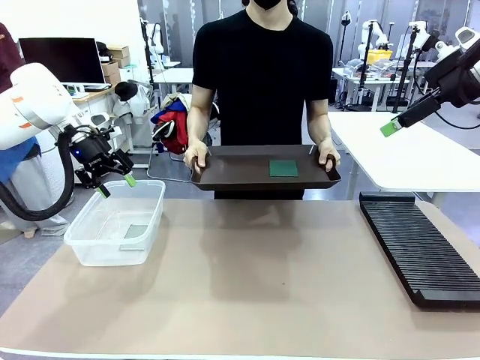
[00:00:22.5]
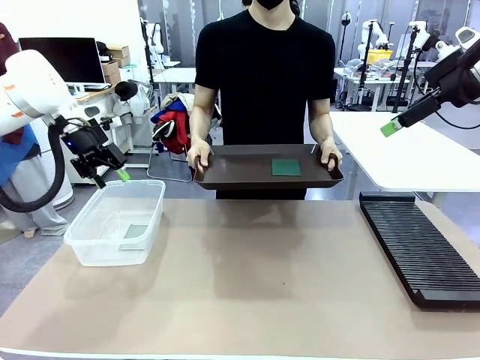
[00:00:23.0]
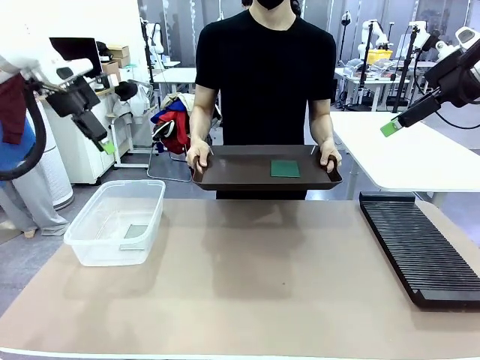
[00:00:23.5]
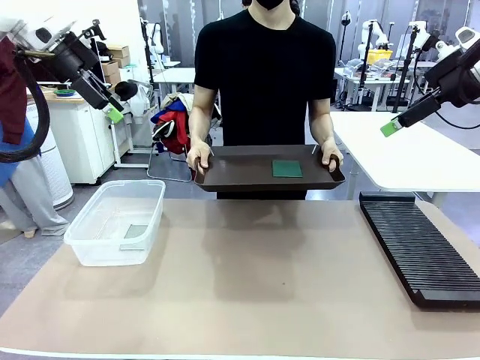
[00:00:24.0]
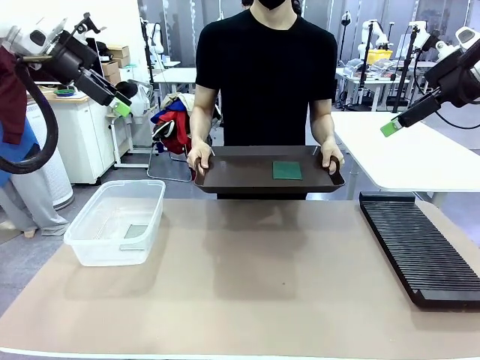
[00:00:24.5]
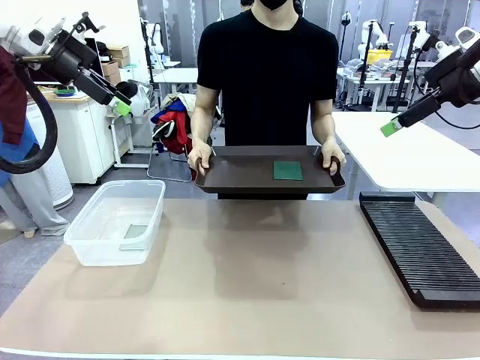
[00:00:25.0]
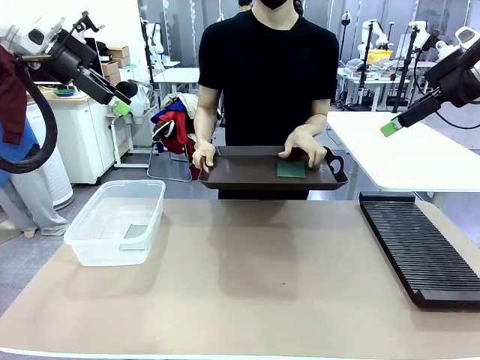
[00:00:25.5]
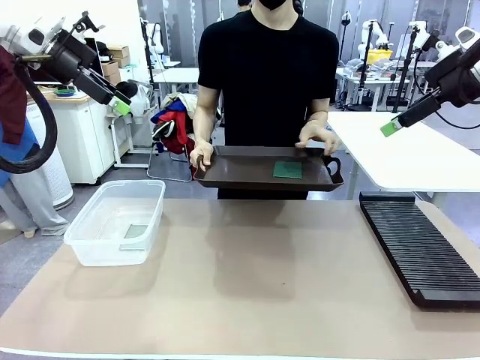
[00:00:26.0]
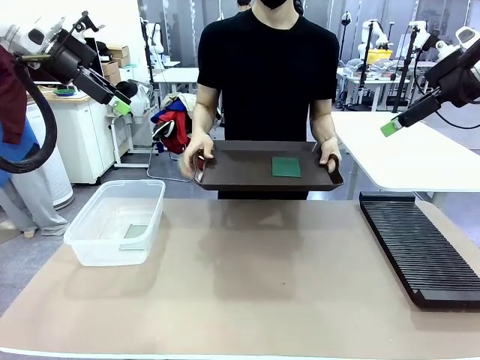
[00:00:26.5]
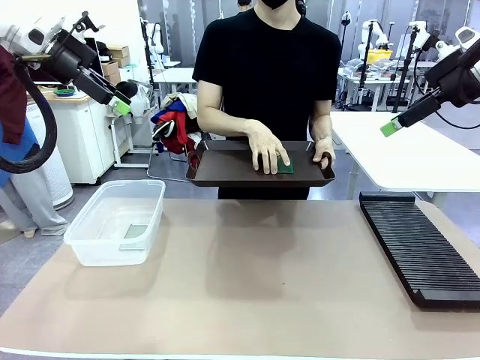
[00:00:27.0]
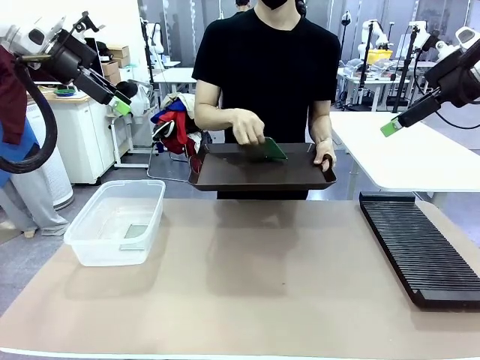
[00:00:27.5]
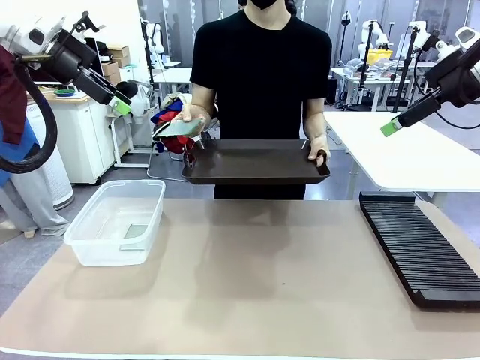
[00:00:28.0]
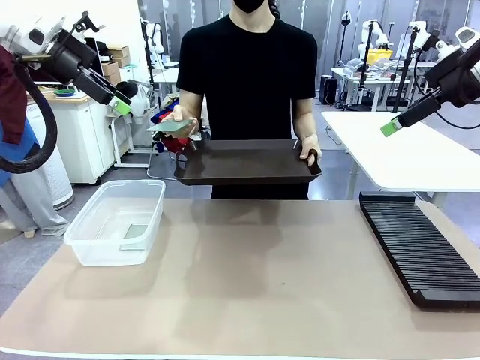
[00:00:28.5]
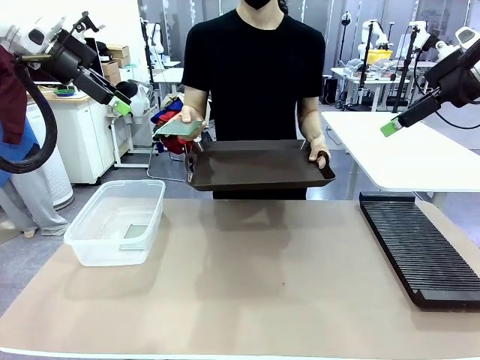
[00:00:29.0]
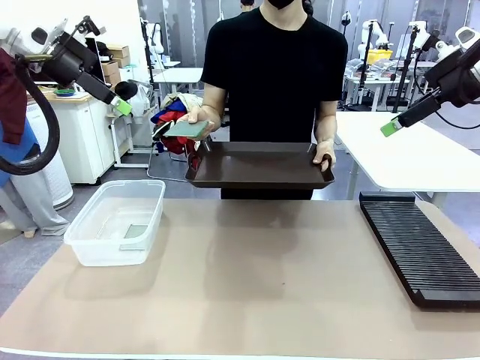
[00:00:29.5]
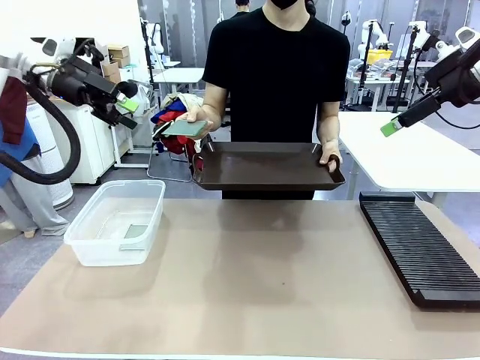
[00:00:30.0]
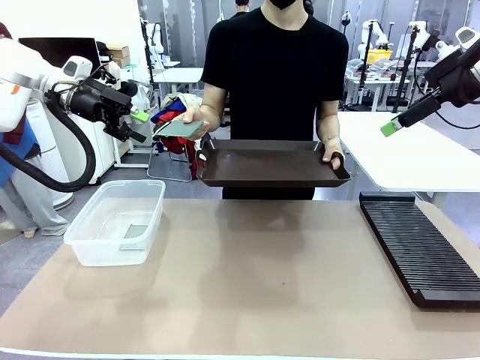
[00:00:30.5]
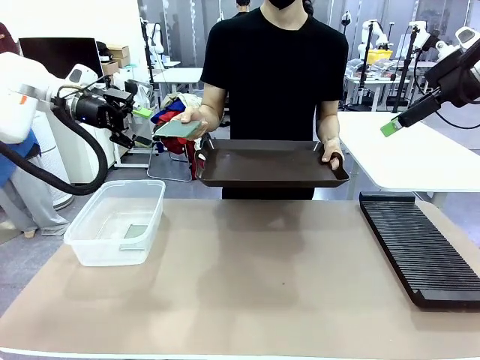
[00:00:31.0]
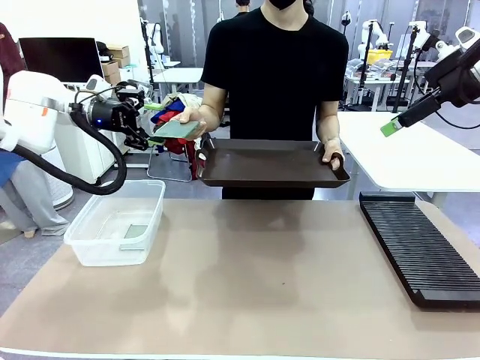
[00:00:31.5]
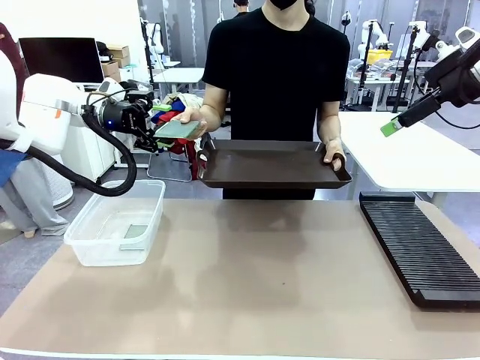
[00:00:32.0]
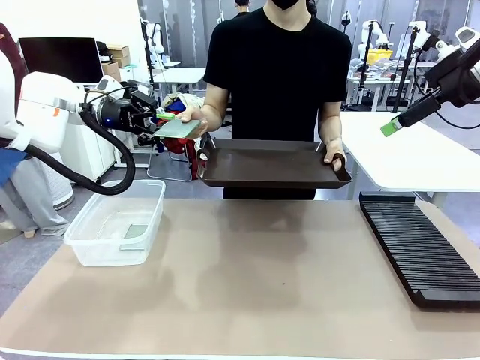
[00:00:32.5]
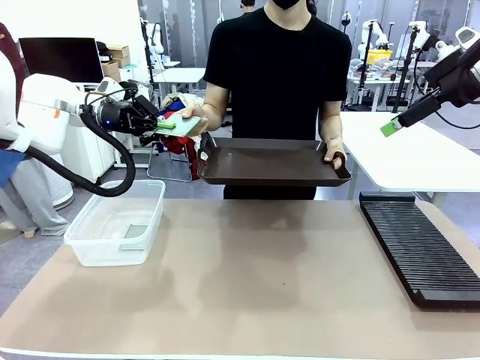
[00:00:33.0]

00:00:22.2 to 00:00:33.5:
Task: Sort PCBs into racks and boxes based on the side picked up.
Robot: Pick up the Blank PCB handed by the Human.
Person: Pick one PCB from the tray and present it to the robot.

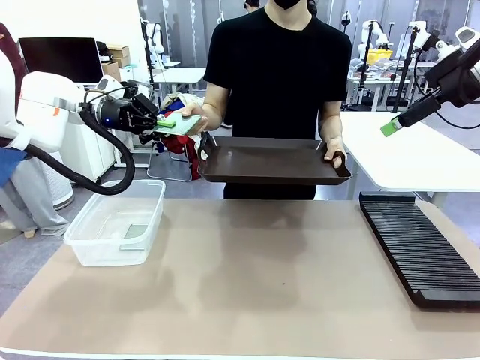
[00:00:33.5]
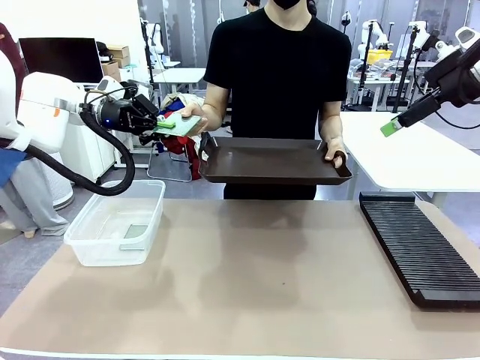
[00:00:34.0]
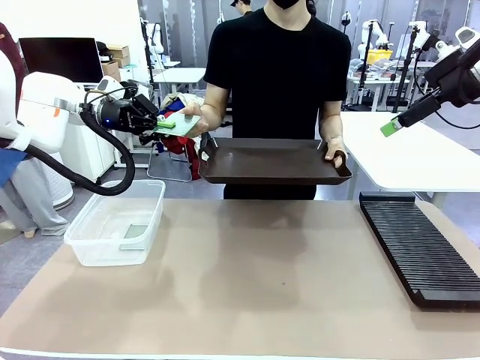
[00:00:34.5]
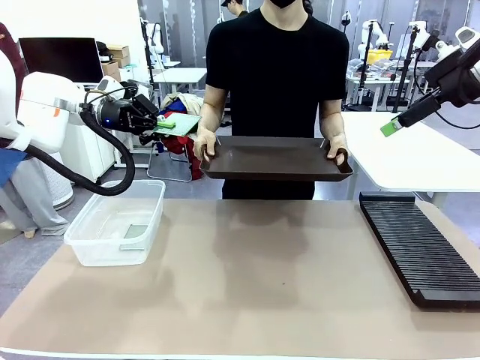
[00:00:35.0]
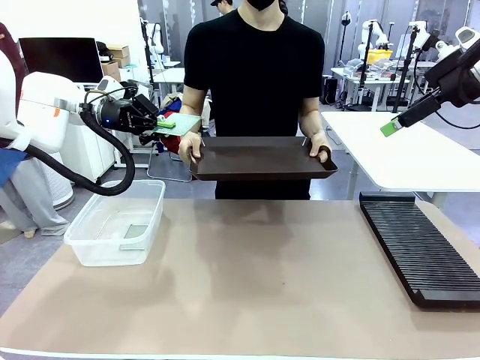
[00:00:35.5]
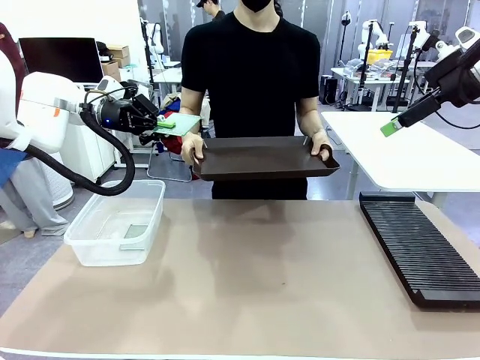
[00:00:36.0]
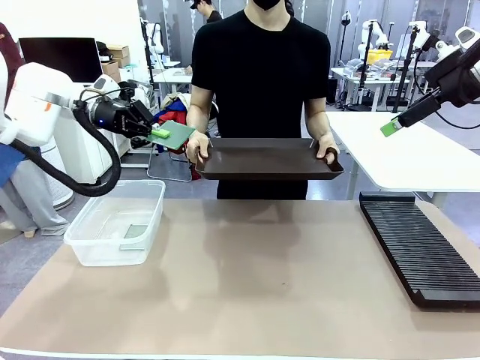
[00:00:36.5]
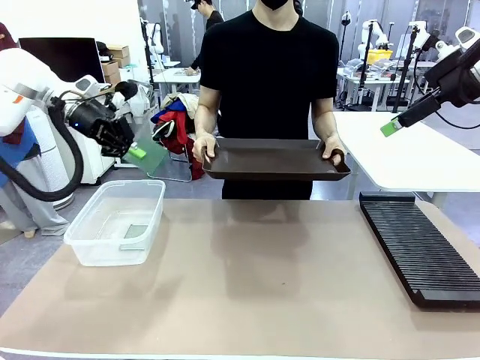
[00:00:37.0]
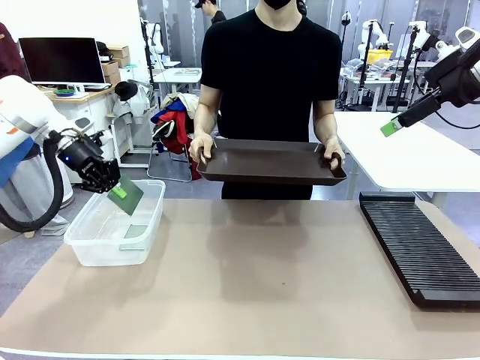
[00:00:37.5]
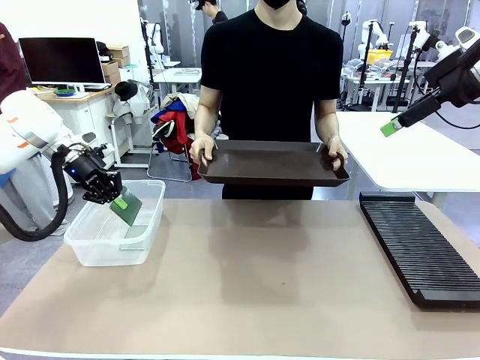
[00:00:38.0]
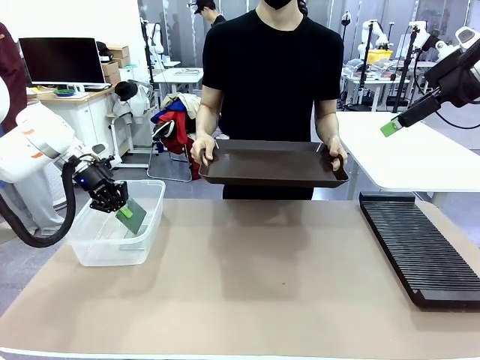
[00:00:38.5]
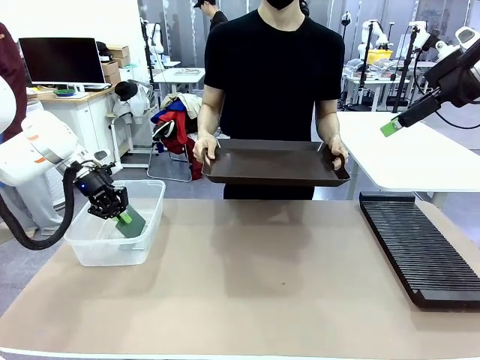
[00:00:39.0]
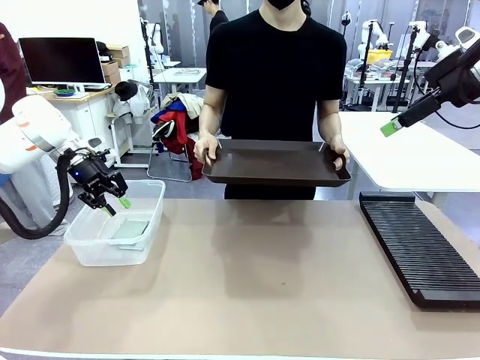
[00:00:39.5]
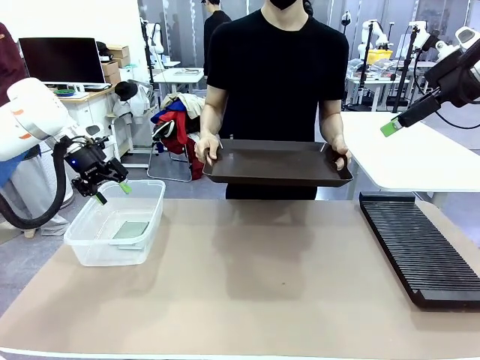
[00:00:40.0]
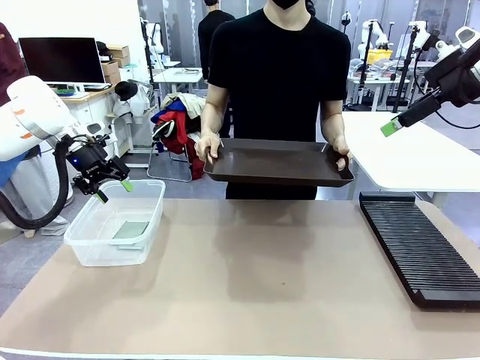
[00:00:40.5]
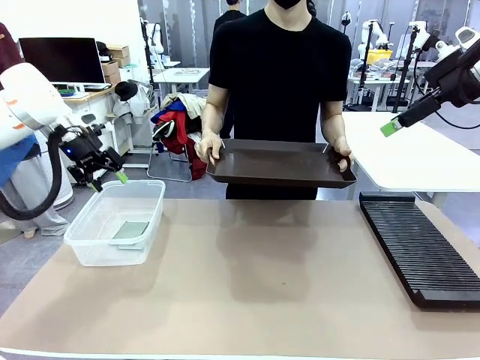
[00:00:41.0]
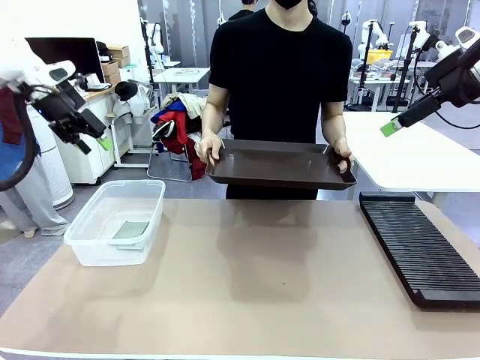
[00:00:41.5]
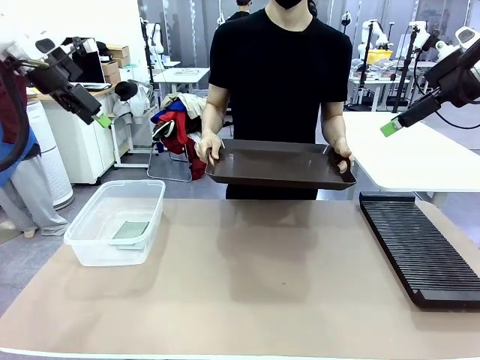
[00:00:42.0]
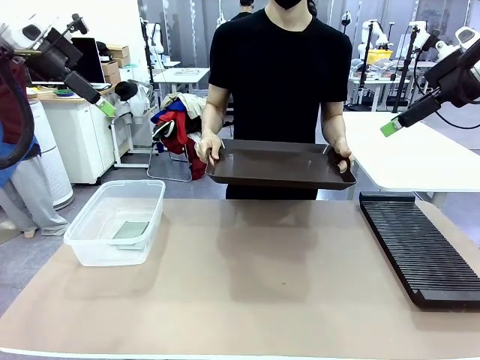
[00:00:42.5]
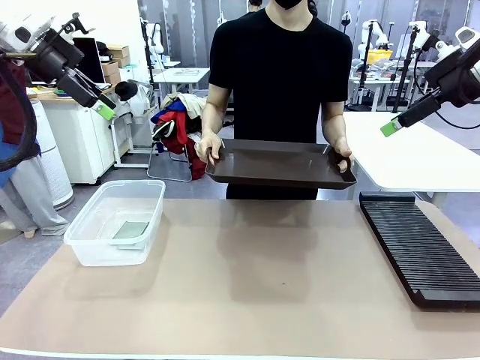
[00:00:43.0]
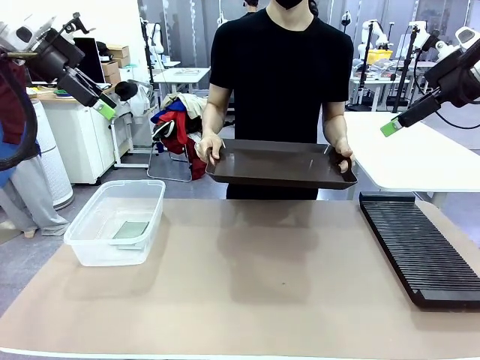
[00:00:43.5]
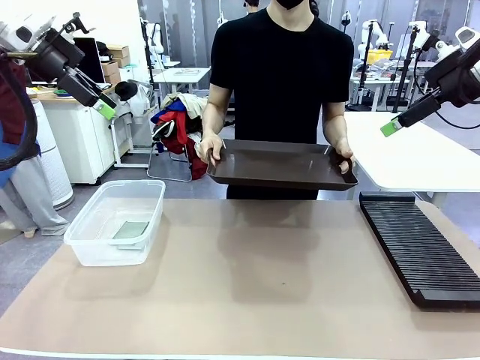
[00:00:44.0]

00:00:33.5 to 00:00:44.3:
Robot: If the short side of the Blank PCB is picked up, insert it into the PCB Rack ; if the long side is picked up, place it in the Organizing box.
Person: Release the PCB being held.

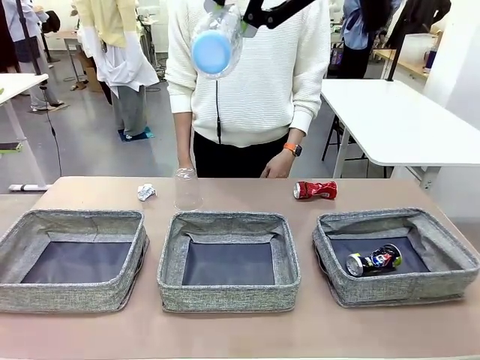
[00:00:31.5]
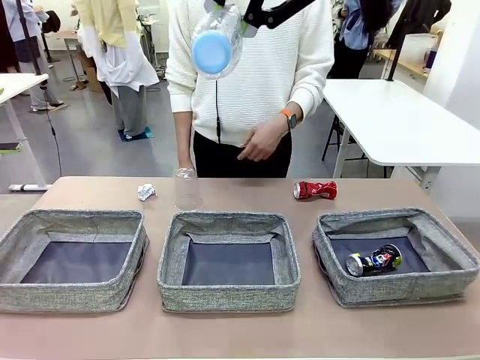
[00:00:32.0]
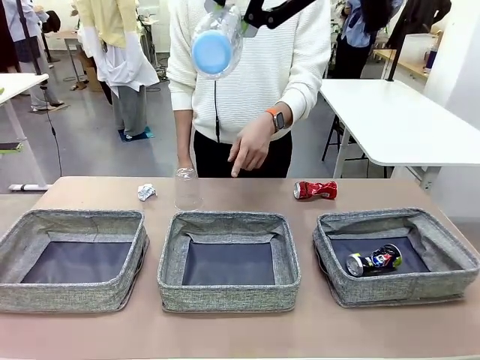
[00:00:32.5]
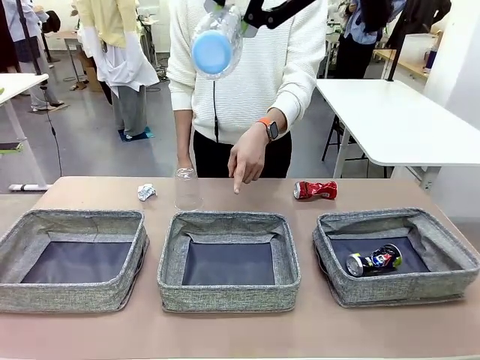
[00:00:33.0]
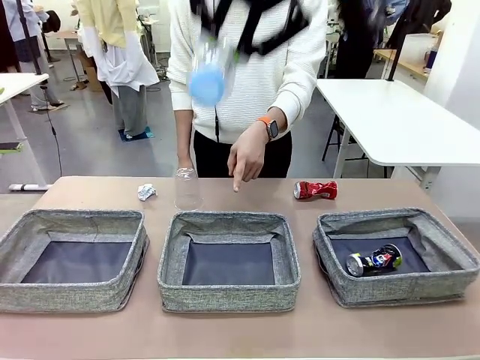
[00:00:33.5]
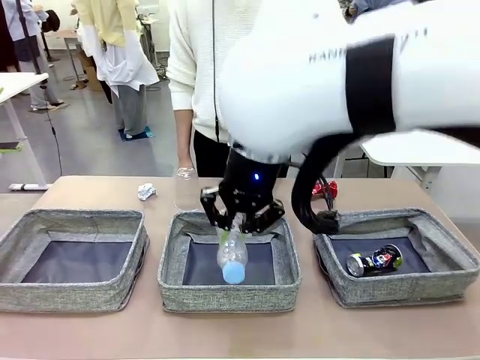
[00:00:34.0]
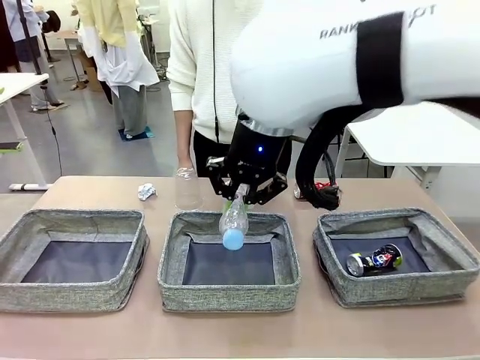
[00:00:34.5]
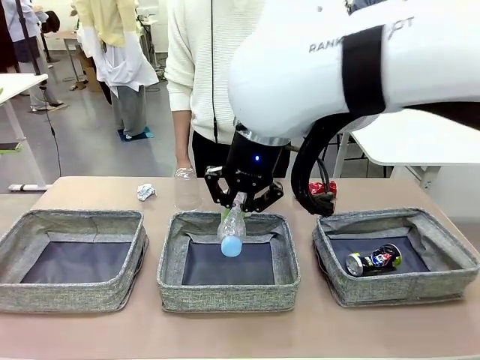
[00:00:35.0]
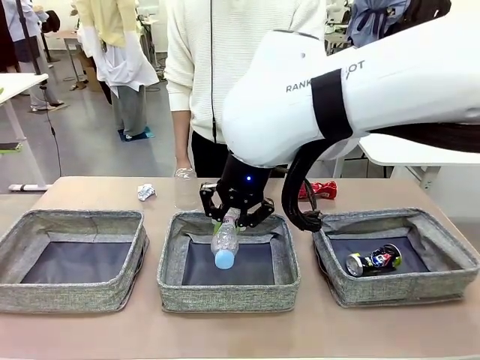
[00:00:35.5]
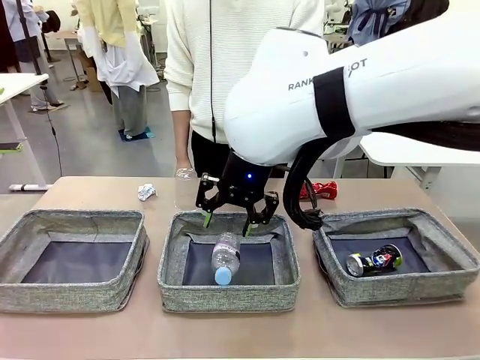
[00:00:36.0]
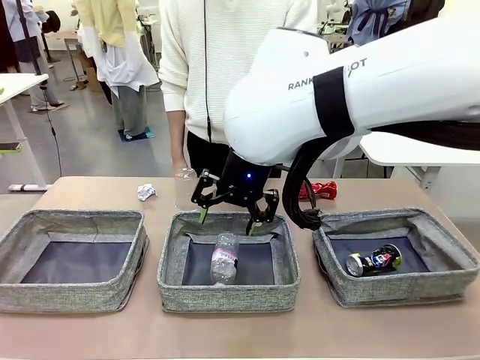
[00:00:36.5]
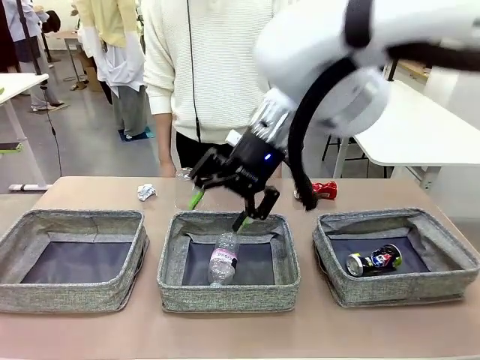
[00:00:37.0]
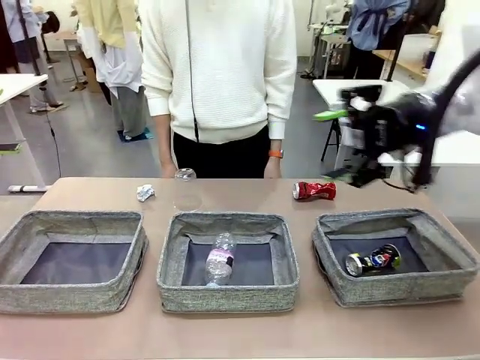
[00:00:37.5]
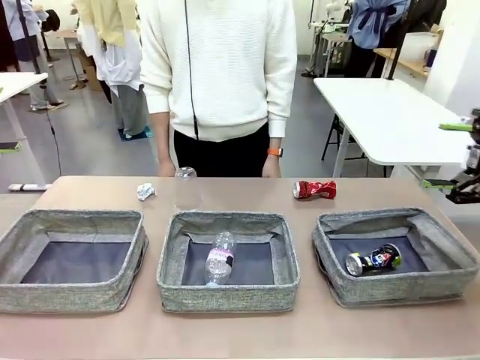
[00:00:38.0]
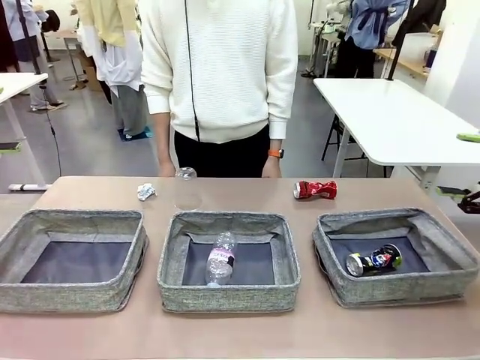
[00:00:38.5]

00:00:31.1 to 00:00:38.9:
Task: Sort the waste into the appropriate baskets.
Robot: Place the picked waste into the Fabric basket indicated by the person.
Person: Instructs the robot to place the picked-up trash into the appropriate organizing basket.
